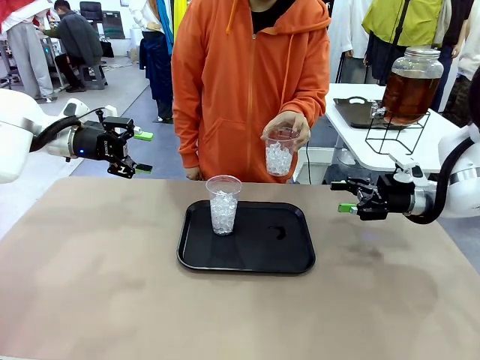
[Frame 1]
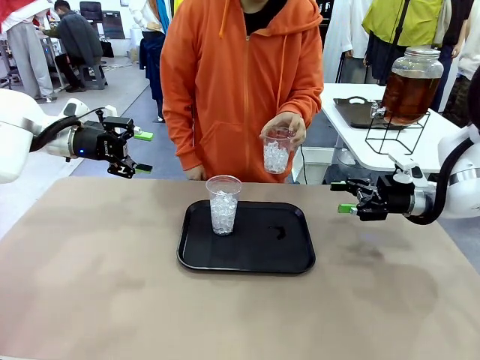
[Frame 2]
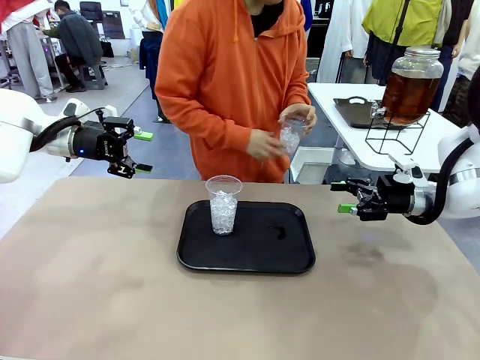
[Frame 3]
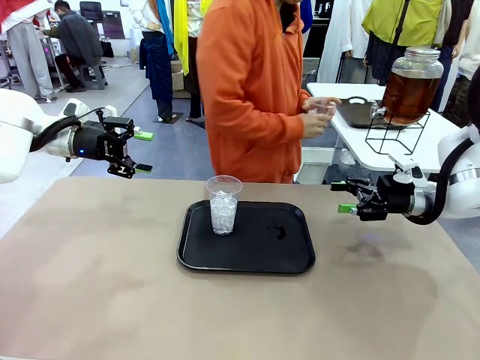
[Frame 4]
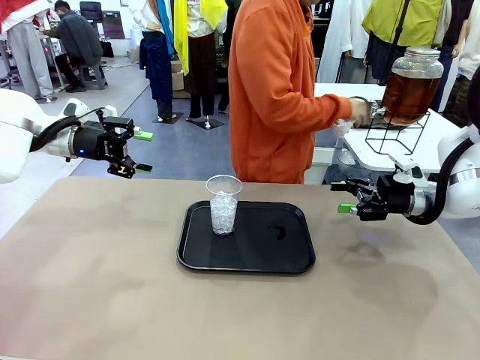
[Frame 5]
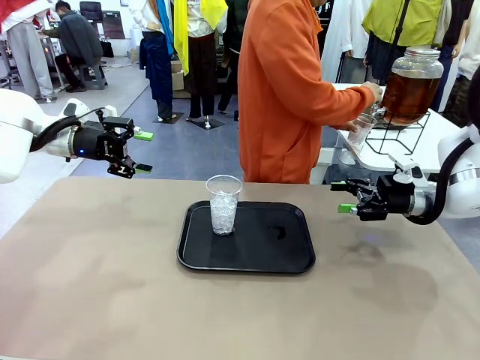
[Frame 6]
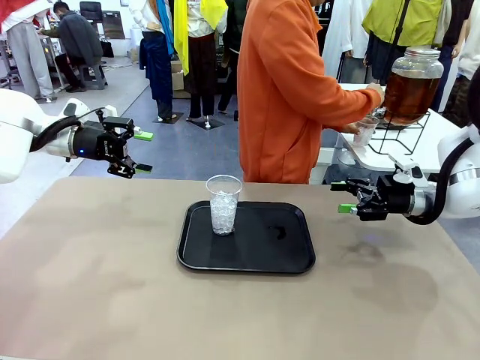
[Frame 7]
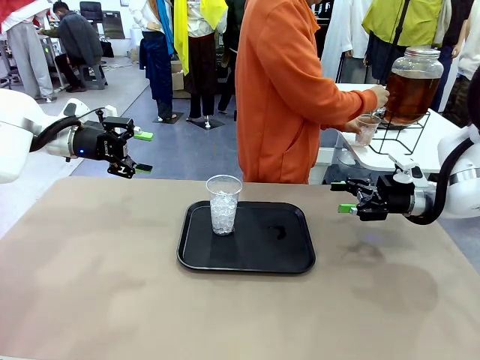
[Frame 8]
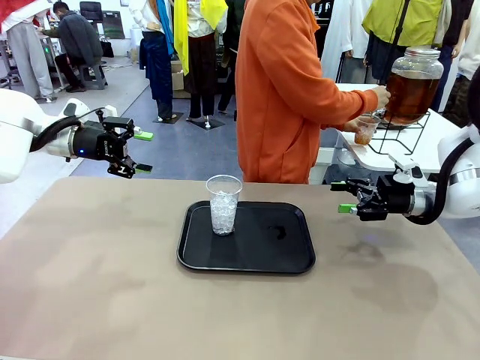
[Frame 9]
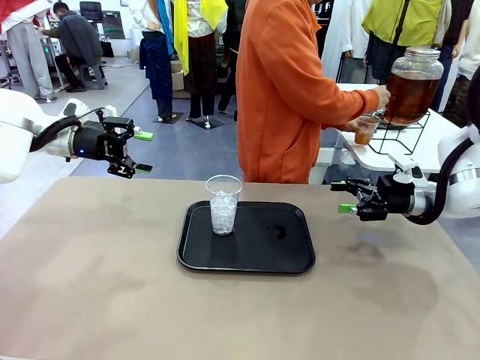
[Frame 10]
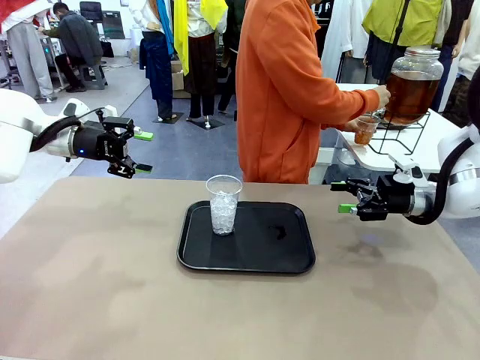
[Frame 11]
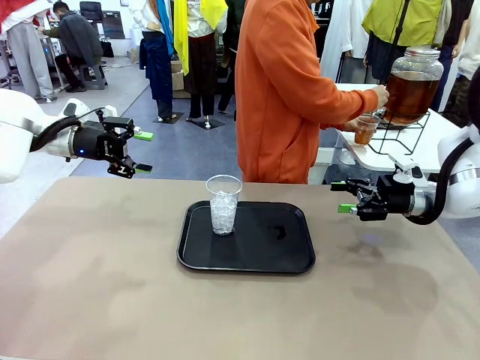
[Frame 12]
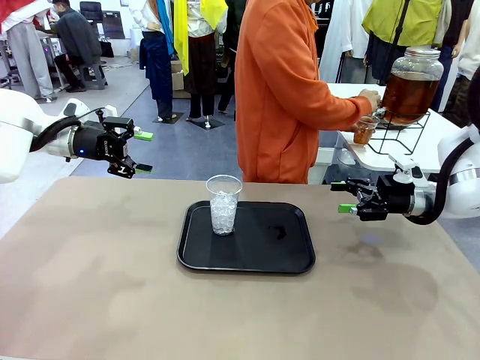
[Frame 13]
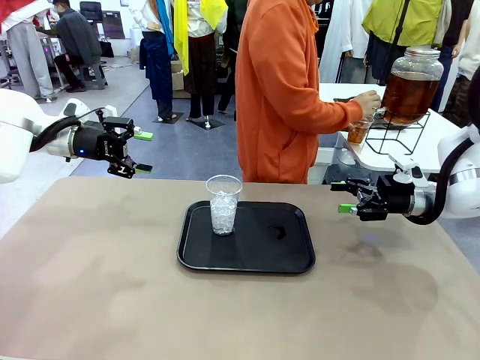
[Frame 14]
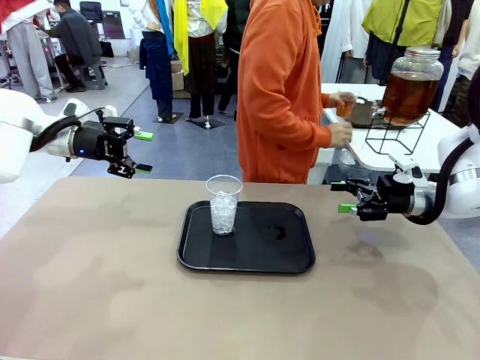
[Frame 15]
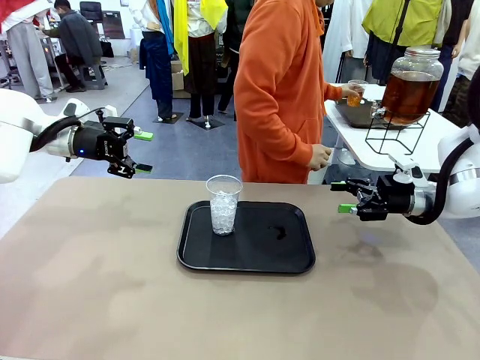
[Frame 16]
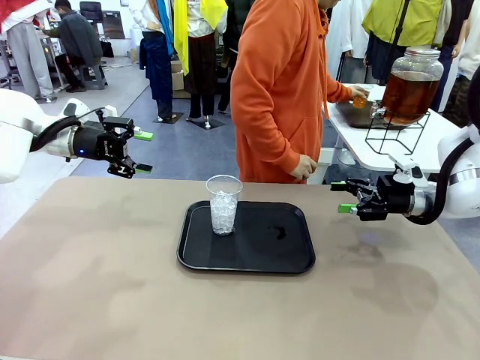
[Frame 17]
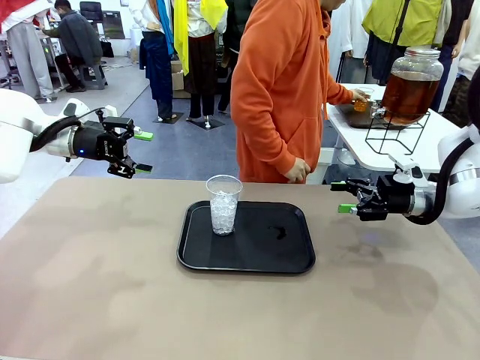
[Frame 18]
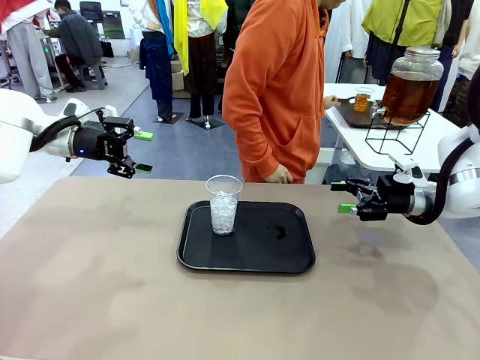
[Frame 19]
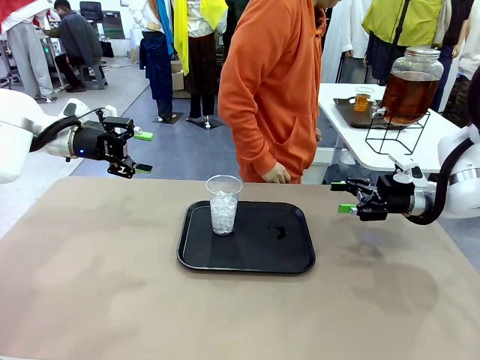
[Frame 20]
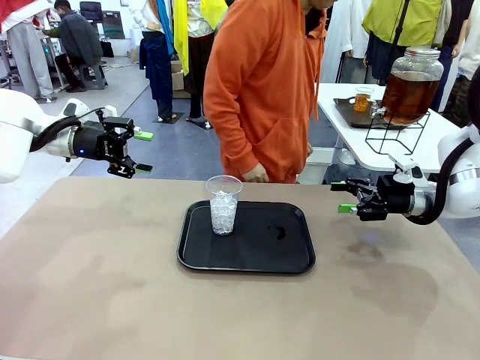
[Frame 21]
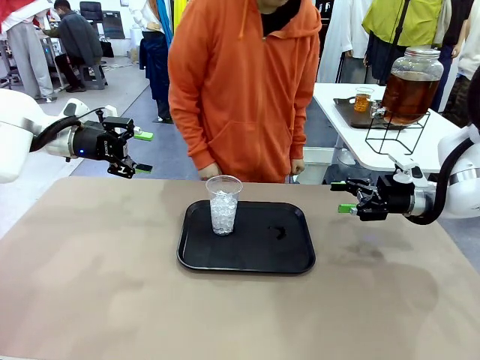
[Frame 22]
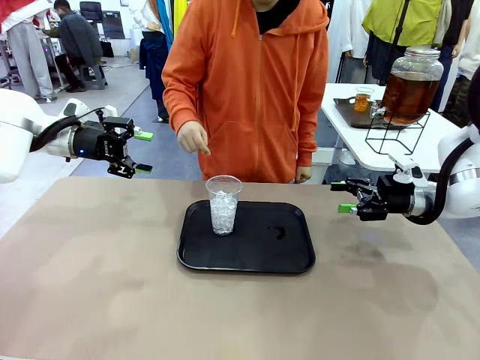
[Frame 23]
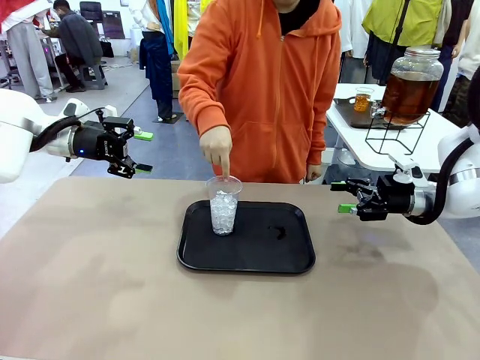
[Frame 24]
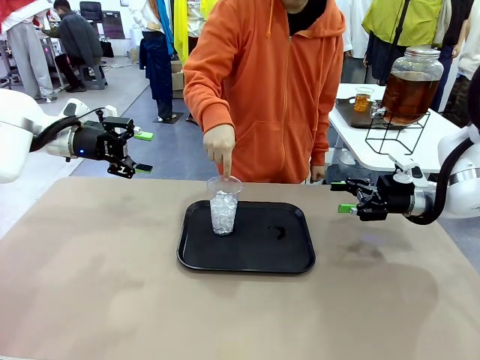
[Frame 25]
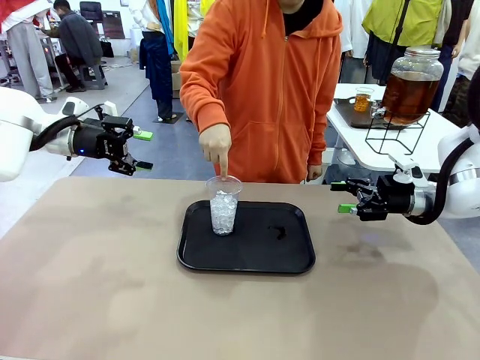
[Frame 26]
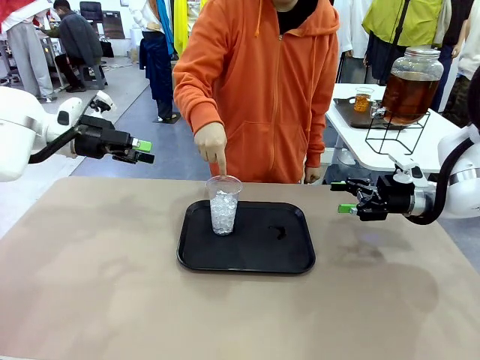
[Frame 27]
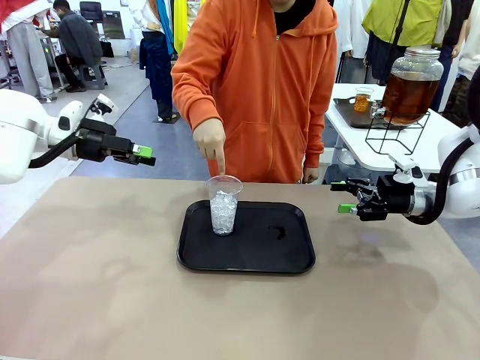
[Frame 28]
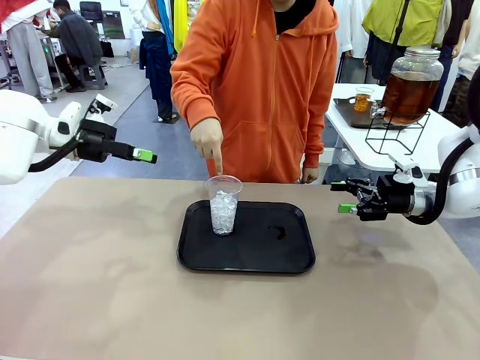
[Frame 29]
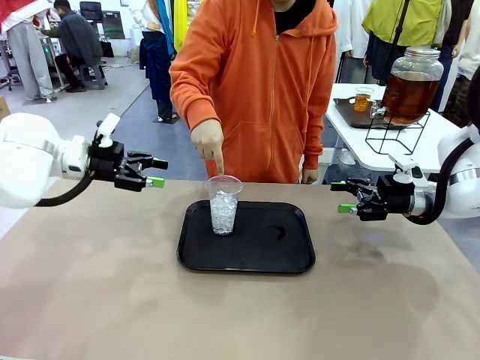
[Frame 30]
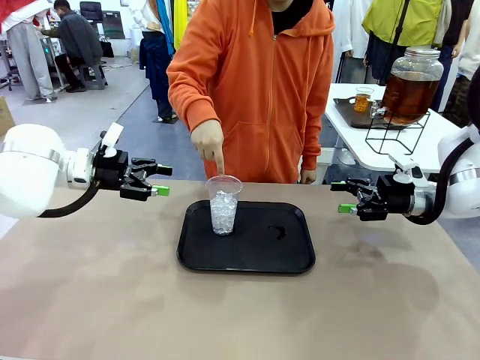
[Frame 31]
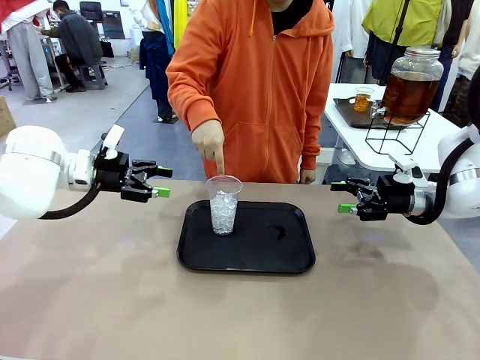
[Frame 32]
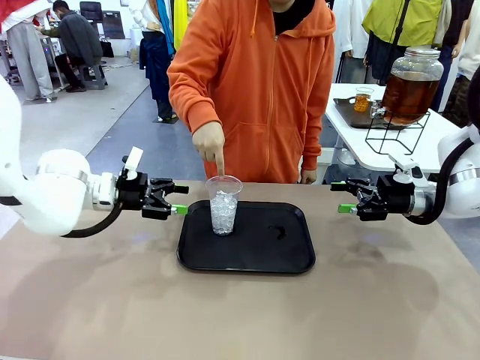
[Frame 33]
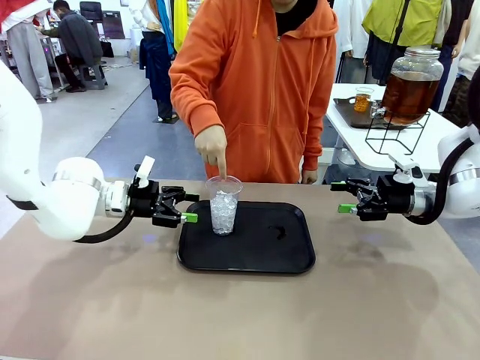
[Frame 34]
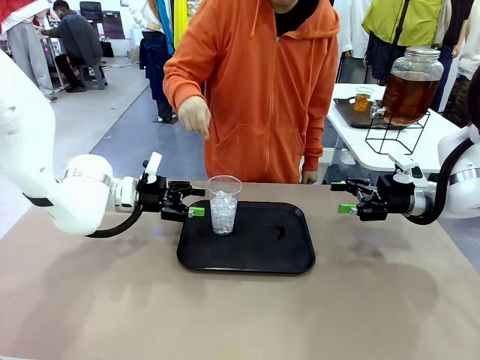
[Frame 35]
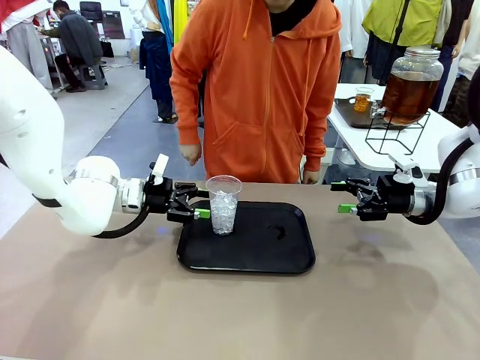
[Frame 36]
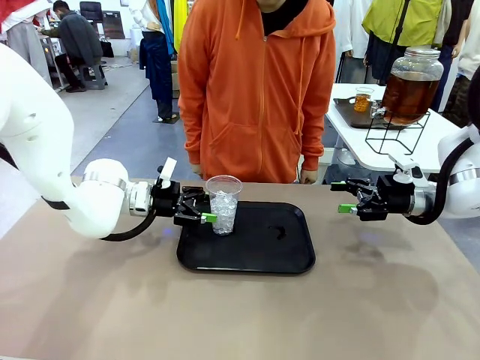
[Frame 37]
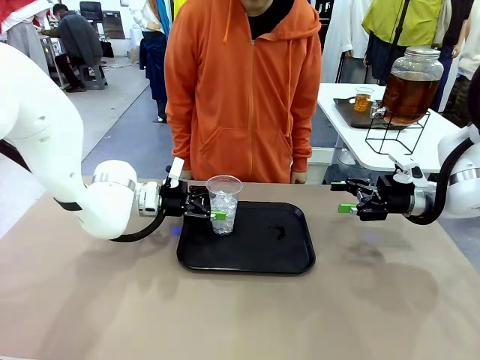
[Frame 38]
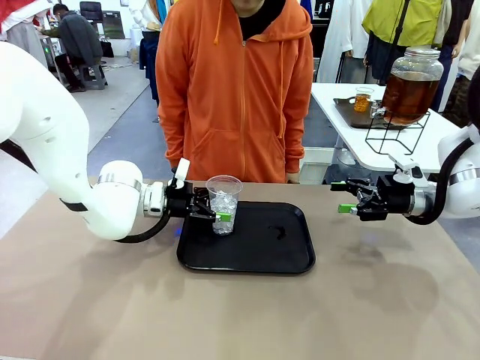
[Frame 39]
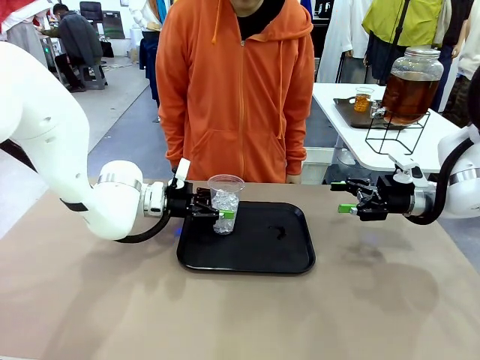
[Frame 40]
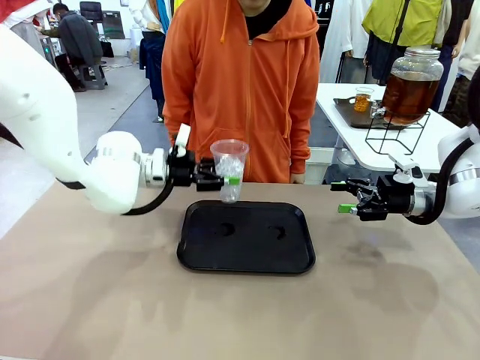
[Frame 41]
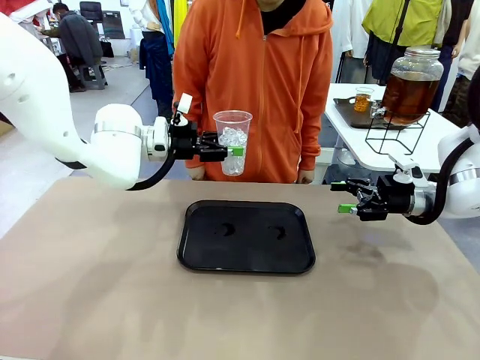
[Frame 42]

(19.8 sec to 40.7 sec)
Task: Pour the drink into the iced cup.
Robot: Pick up the iced cup indicated by the human and present it to them.
Person: Move the picked-up cup under the dispenser faucet, pour the drink, and place it on the tray on the human table. Point to the remaining ice cup on the robot table. Pick up the cup offered by the robot.
